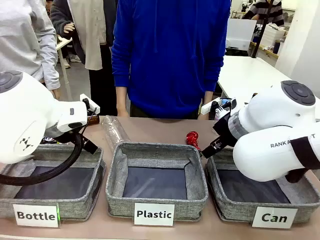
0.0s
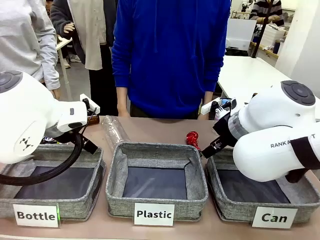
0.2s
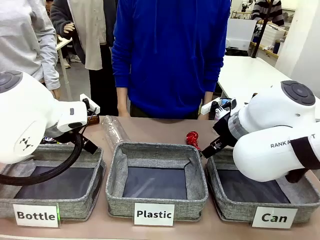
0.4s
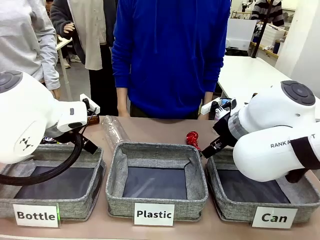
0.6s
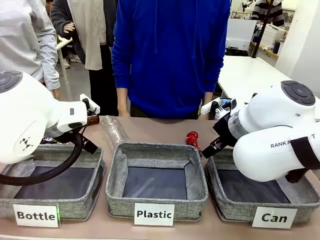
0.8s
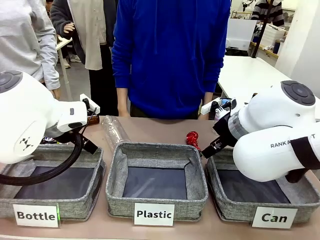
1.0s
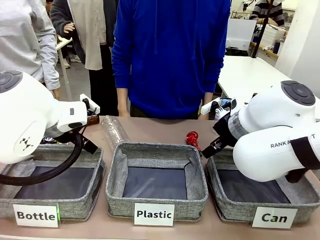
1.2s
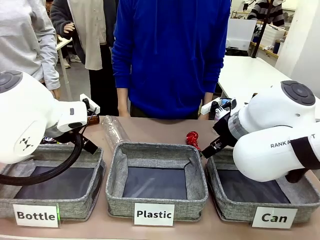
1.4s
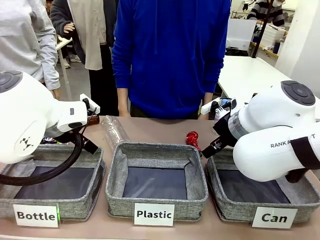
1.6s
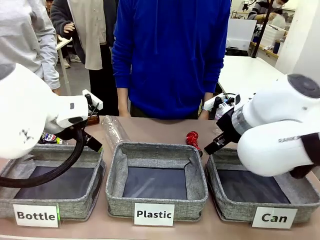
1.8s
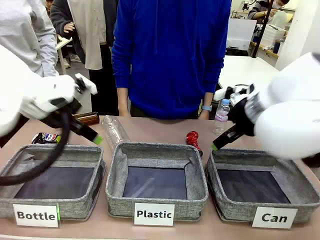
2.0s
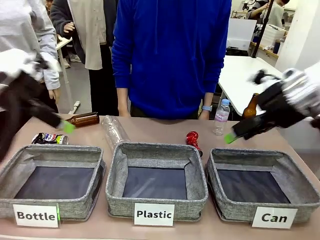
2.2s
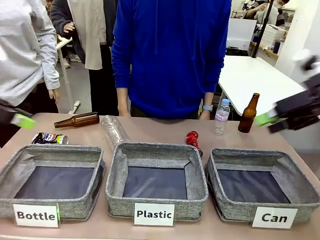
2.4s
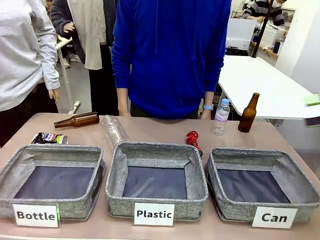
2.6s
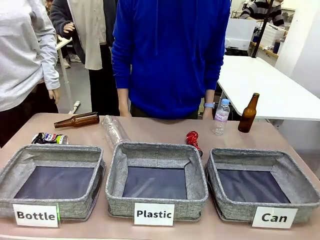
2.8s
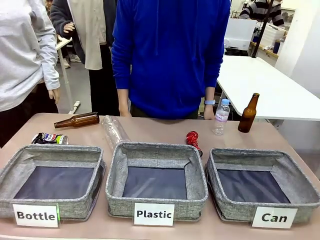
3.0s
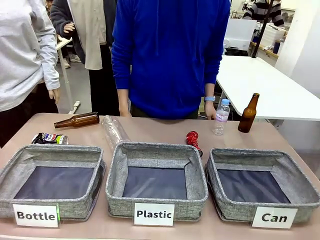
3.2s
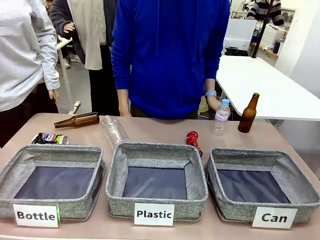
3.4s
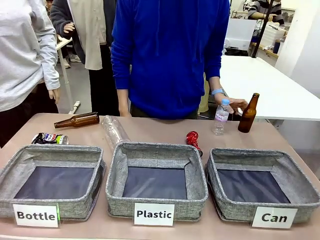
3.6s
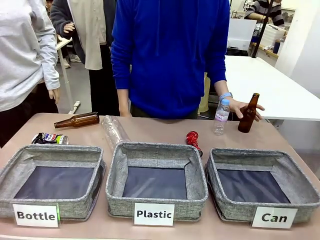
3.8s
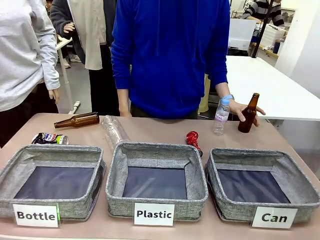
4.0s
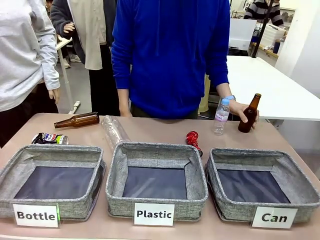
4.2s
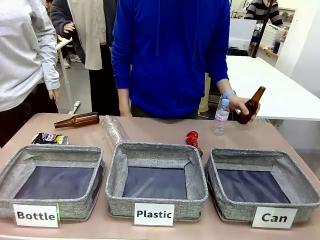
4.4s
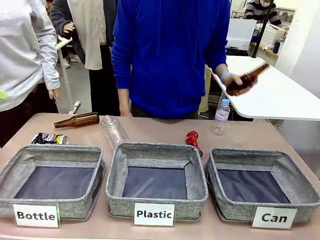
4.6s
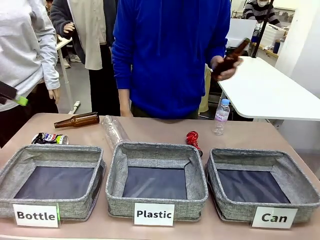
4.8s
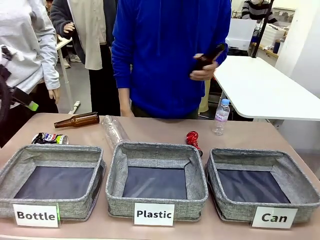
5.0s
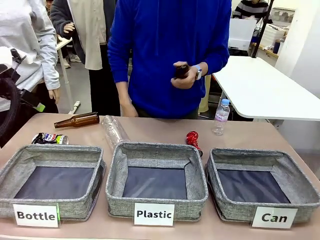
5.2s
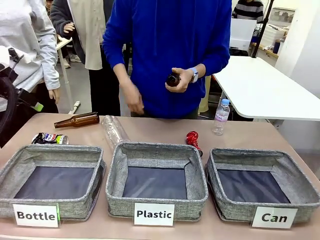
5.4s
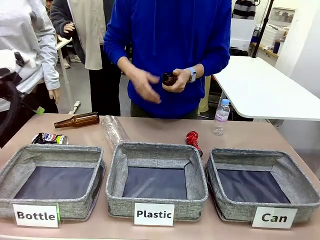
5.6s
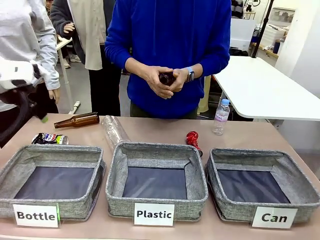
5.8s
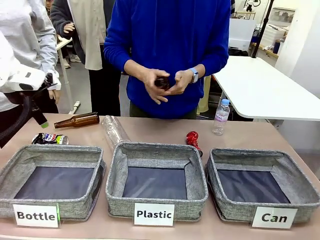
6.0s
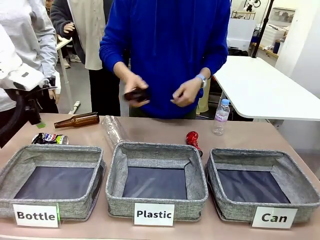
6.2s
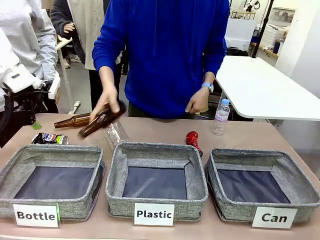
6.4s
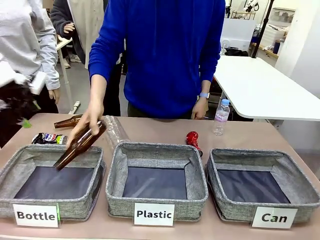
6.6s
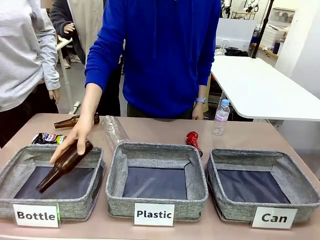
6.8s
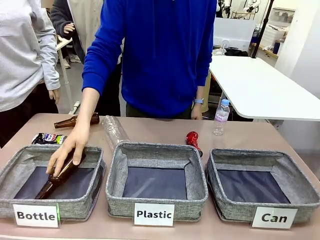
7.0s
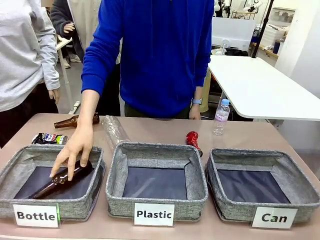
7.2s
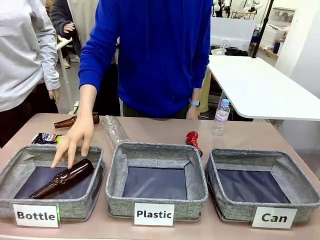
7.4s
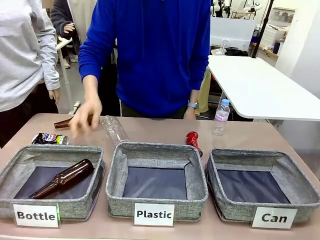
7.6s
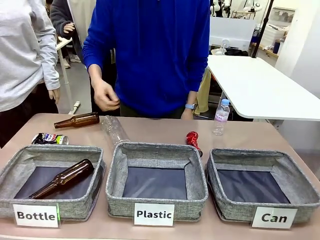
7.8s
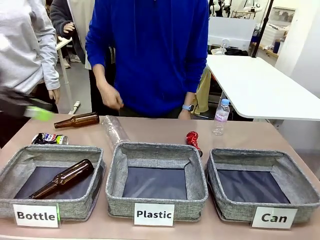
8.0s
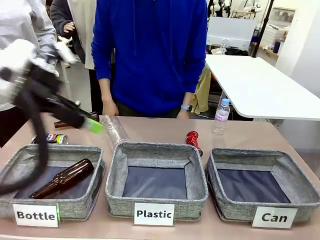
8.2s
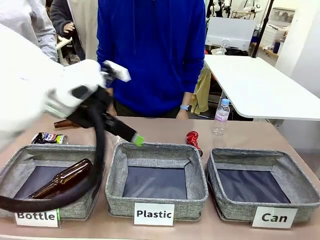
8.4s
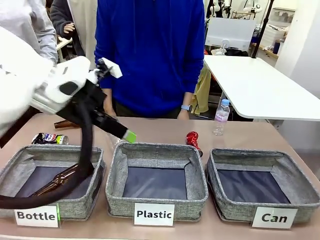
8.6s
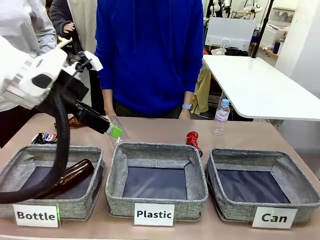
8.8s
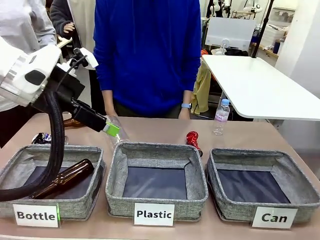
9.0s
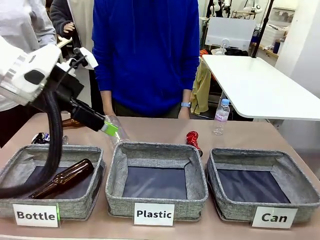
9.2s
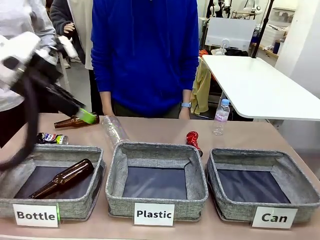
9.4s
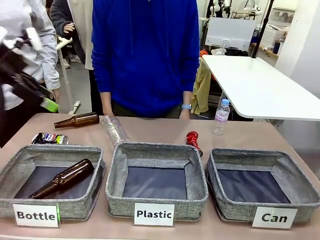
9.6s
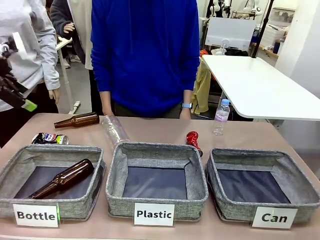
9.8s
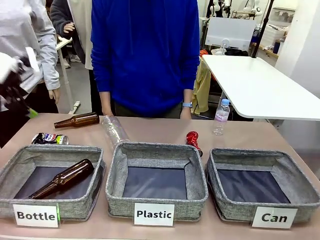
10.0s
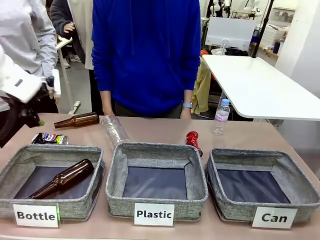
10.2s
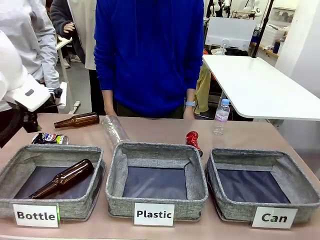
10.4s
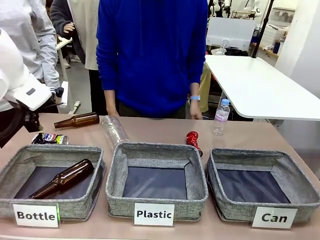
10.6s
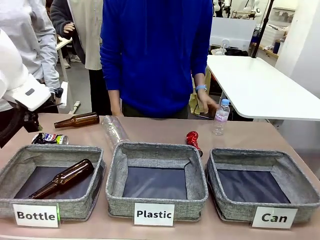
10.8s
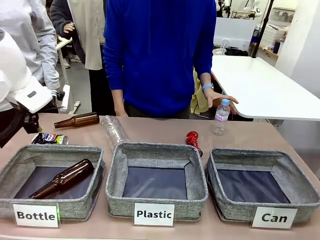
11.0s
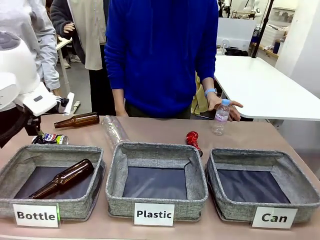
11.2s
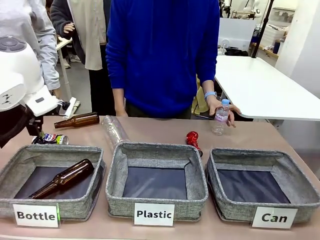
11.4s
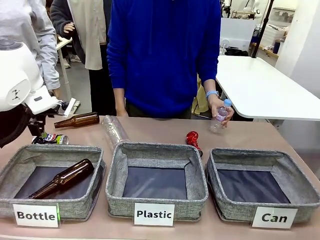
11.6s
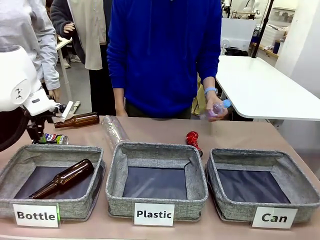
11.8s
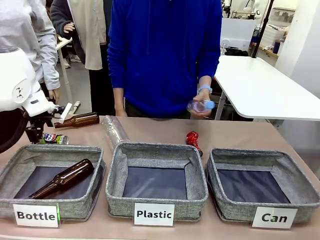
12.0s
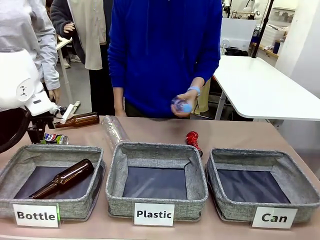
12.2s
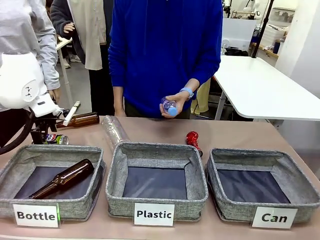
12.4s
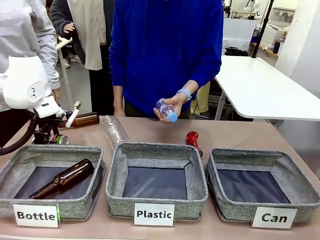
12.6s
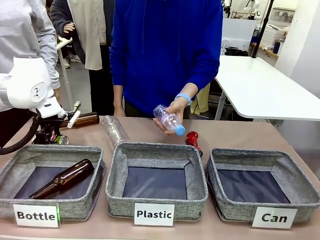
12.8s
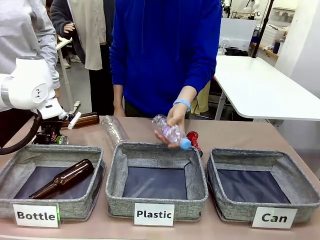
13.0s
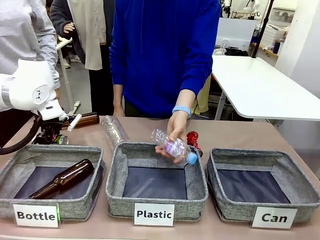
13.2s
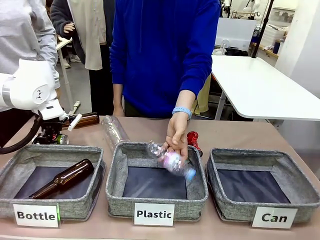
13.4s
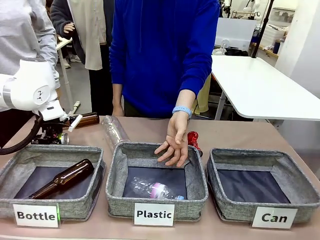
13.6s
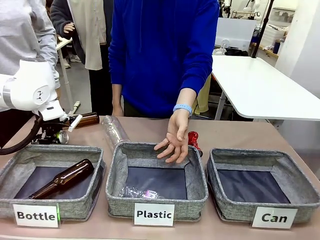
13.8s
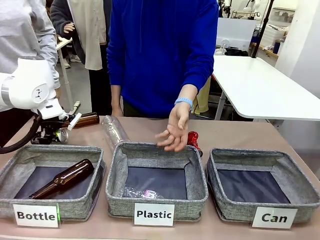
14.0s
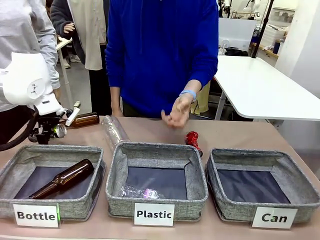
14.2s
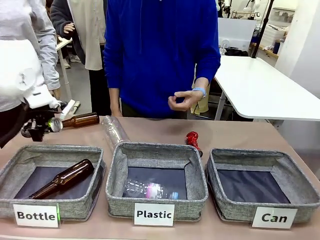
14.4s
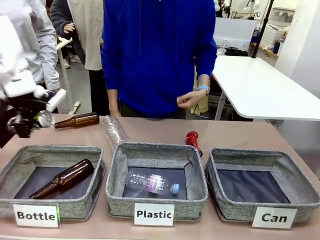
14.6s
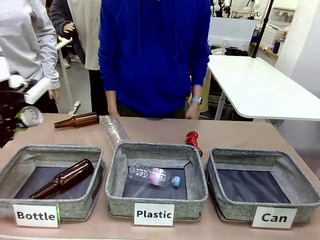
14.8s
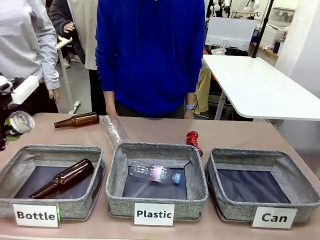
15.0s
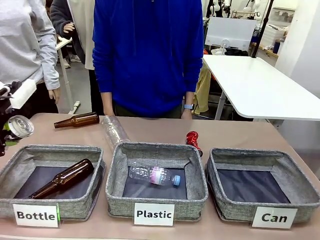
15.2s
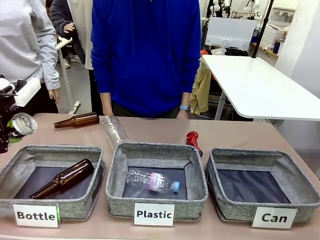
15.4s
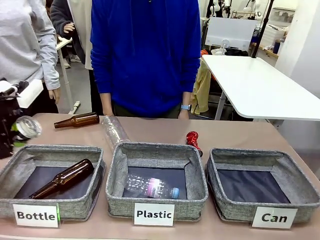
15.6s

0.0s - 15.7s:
Task: Sort the can waste into the basket.
Robot: Pick up the can waste from the table and place it in the right Fabric basket.
